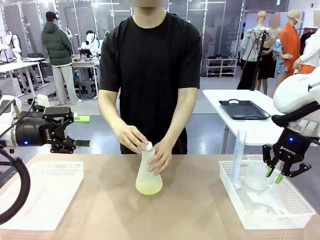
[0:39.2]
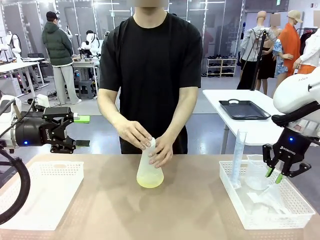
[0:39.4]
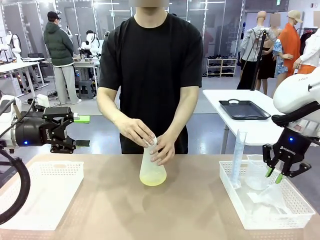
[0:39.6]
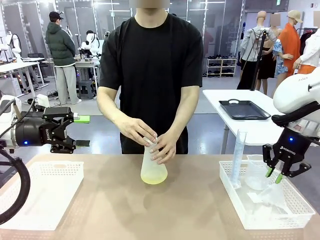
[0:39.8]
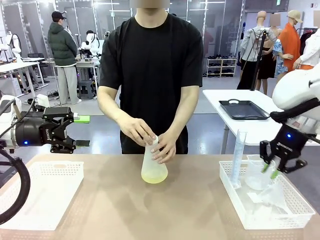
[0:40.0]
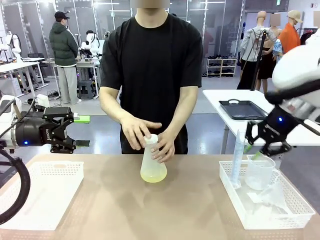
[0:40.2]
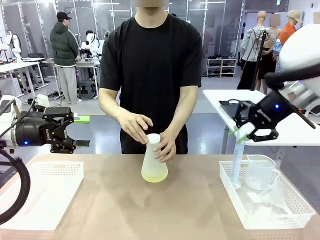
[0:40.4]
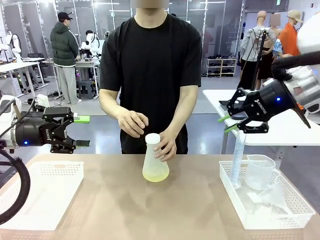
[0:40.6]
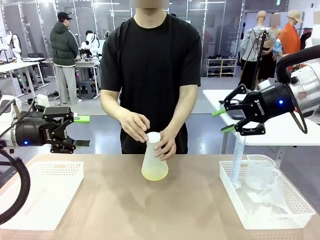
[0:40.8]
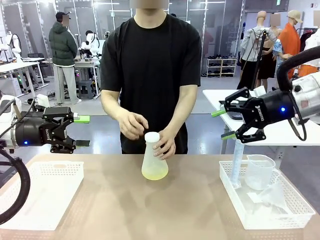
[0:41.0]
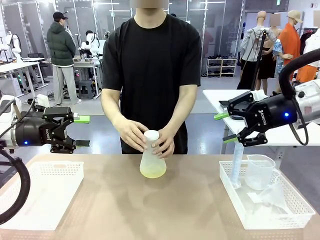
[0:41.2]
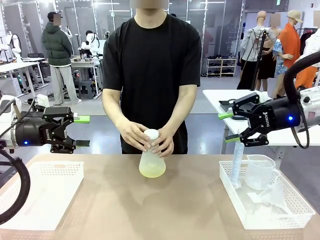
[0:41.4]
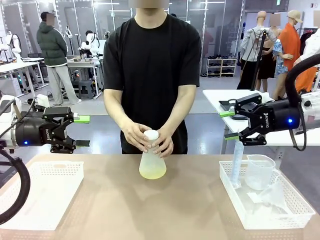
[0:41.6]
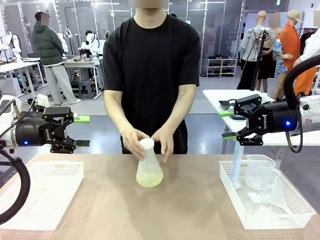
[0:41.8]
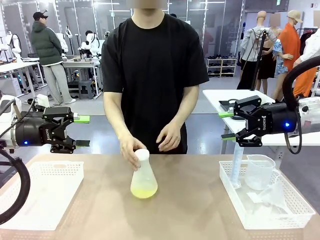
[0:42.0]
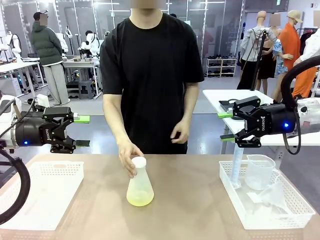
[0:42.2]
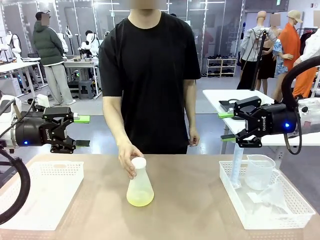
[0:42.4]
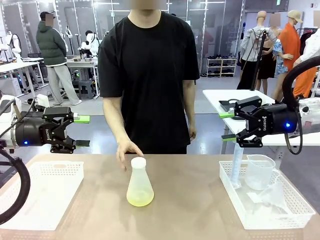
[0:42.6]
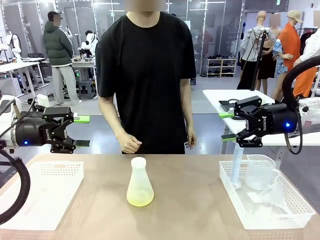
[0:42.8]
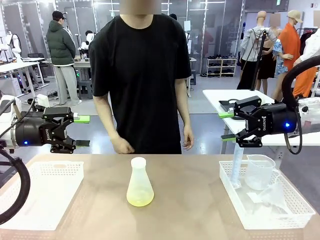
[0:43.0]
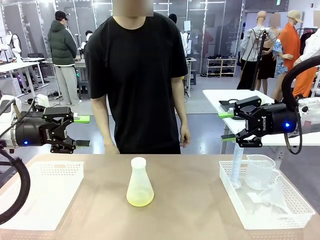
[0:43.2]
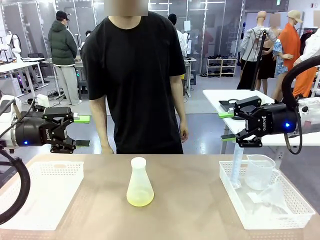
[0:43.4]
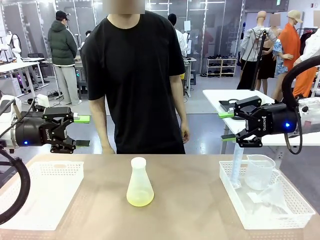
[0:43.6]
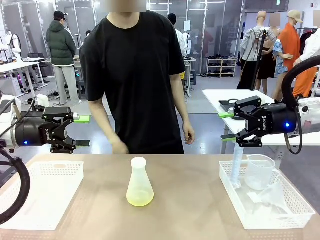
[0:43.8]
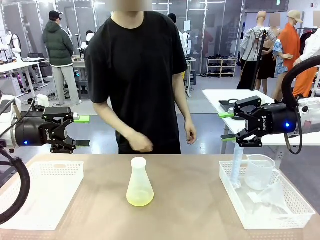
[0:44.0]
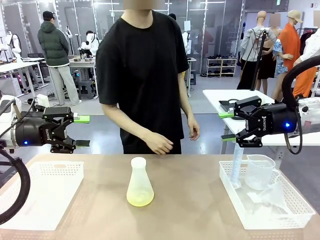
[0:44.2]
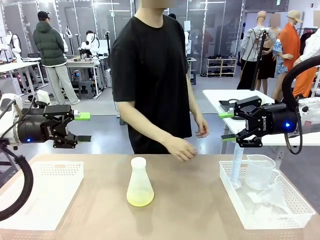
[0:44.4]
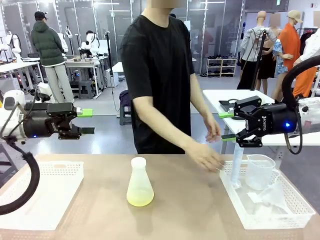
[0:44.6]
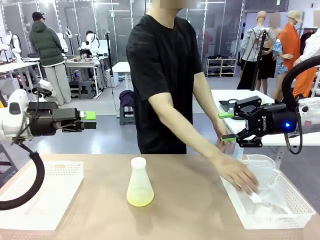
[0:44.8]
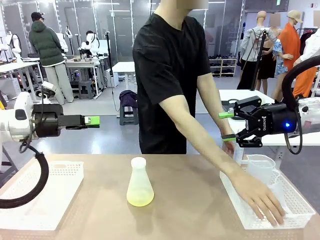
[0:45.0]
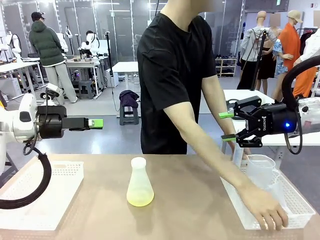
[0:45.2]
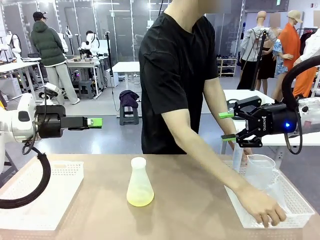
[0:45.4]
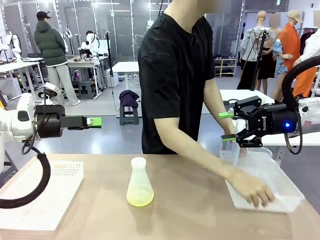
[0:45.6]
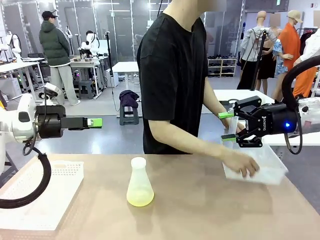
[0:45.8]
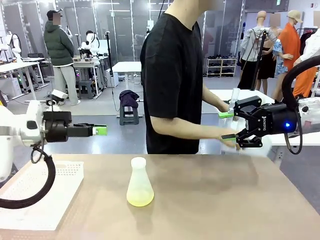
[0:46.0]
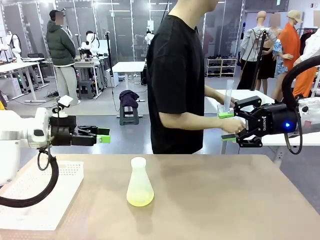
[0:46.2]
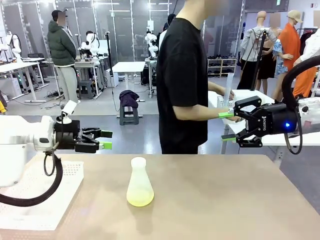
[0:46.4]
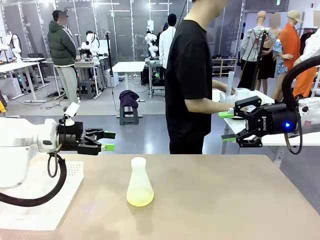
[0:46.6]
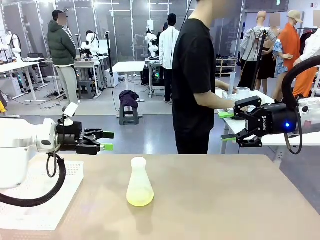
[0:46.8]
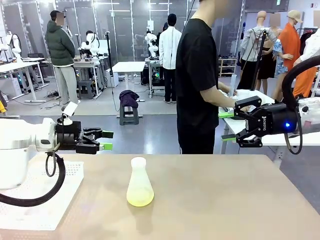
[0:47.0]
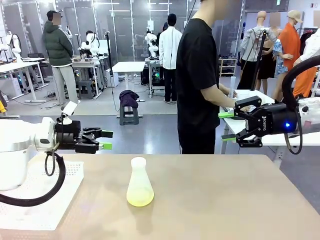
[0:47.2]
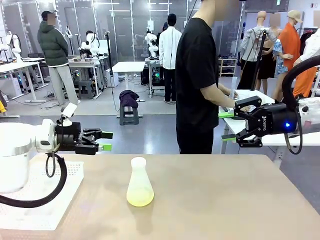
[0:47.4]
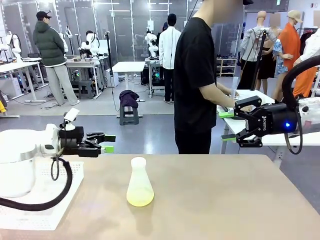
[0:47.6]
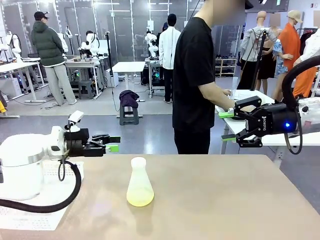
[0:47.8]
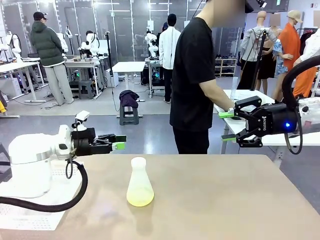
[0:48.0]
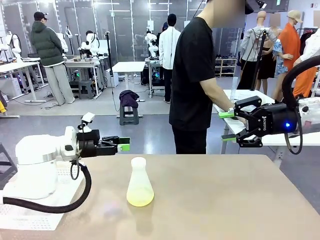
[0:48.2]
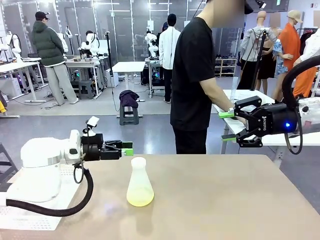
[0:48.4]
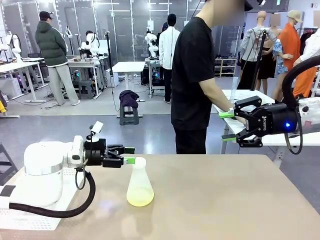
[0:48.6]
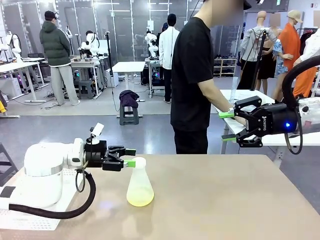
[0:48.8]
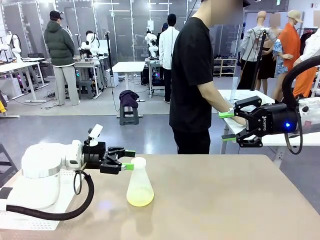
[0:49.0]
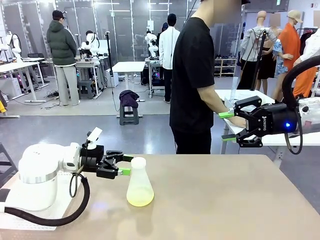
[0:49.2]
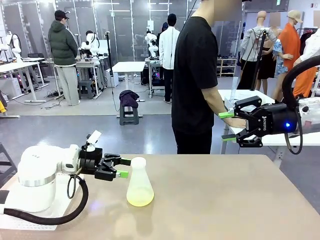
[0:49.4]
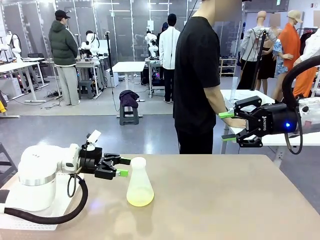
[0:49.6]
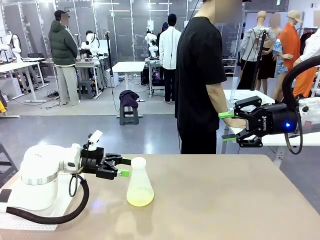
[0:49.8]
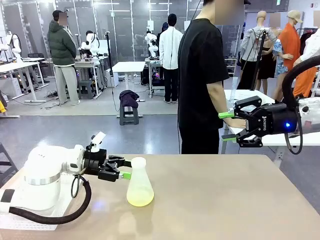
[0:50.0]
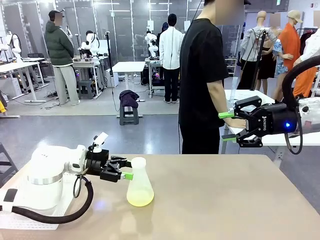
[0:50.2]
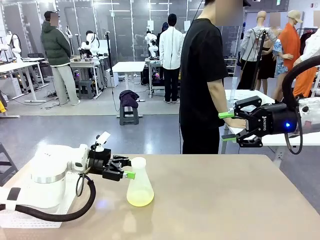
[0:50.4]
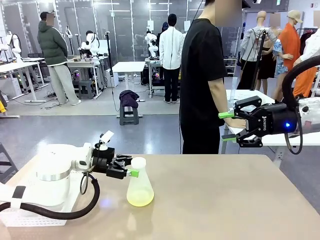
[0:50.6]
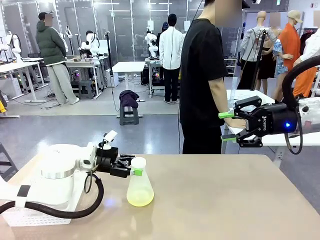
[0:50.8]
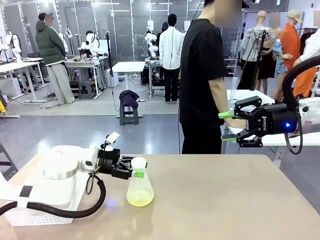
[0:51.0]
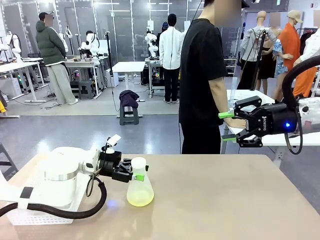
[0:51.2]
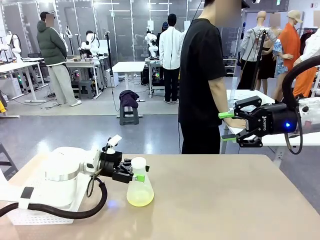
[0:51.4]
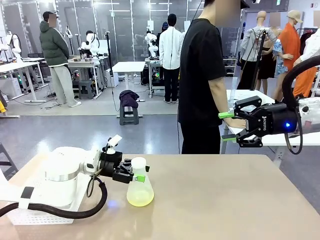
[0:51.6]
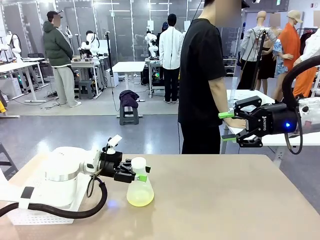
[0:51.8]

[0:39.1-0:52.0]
Task: Prepare the solutions needed for the experiment.
Robot: When the human places the Big flask in the center of the table, pick up the Big flask and place it in the left Organizing basket.

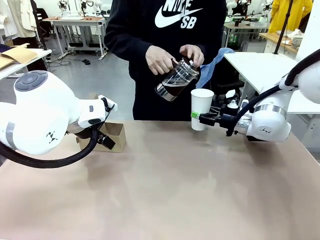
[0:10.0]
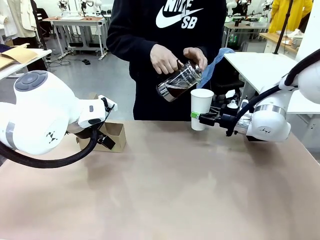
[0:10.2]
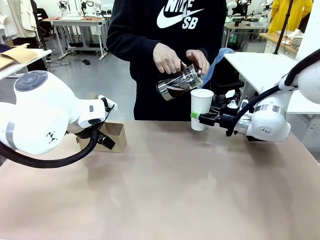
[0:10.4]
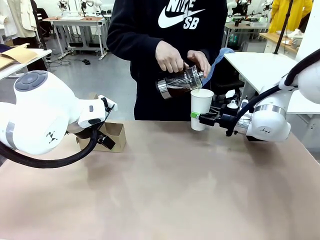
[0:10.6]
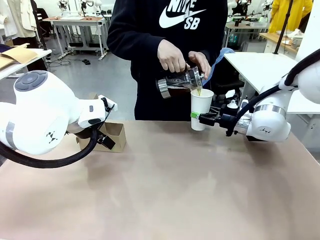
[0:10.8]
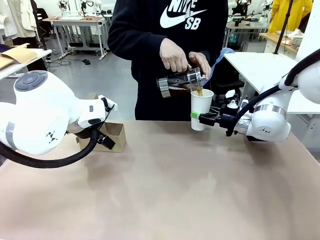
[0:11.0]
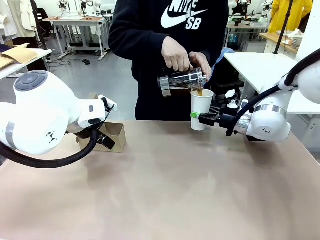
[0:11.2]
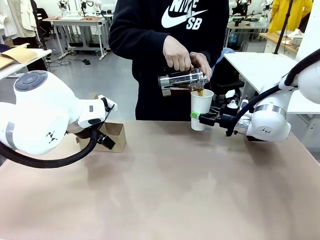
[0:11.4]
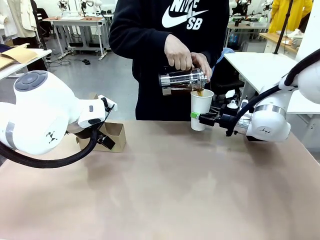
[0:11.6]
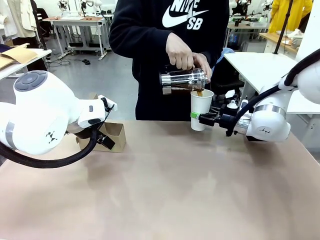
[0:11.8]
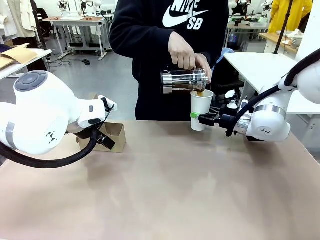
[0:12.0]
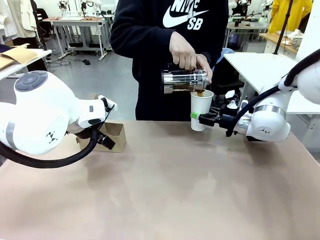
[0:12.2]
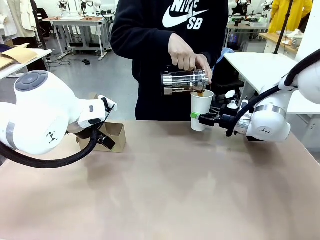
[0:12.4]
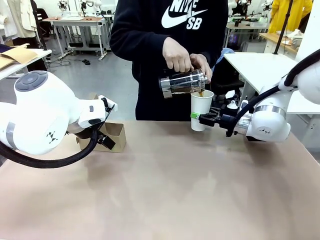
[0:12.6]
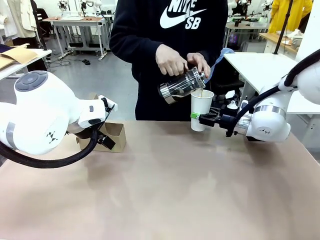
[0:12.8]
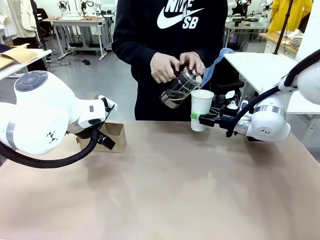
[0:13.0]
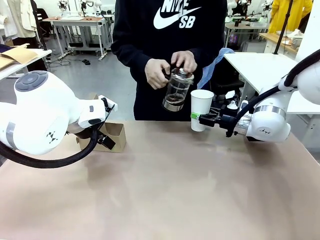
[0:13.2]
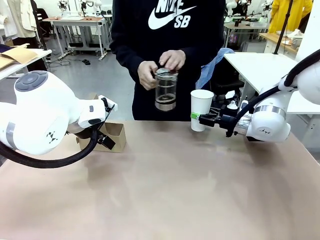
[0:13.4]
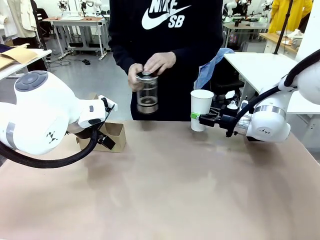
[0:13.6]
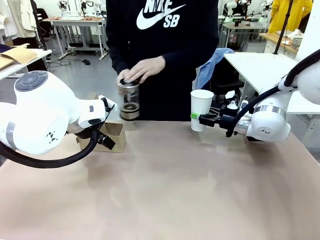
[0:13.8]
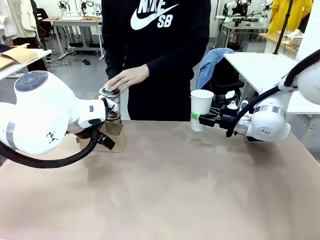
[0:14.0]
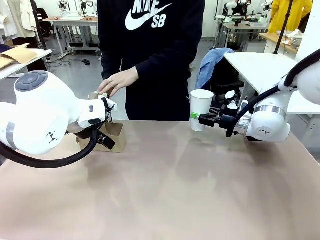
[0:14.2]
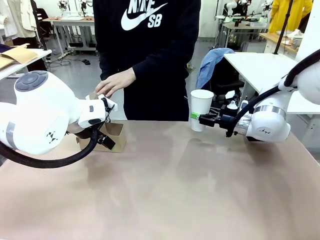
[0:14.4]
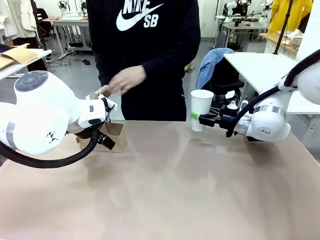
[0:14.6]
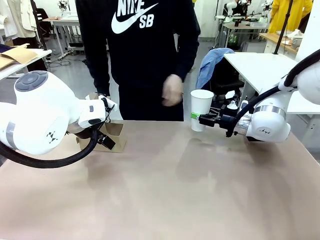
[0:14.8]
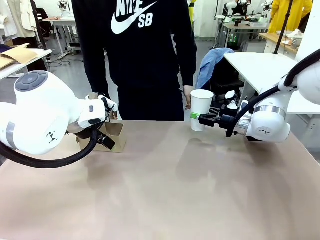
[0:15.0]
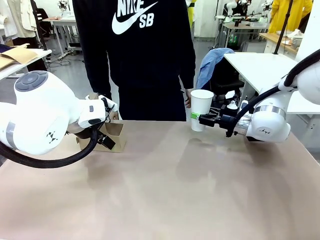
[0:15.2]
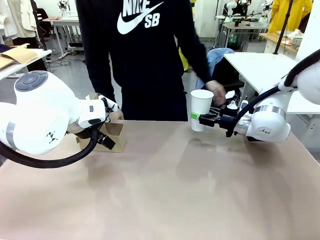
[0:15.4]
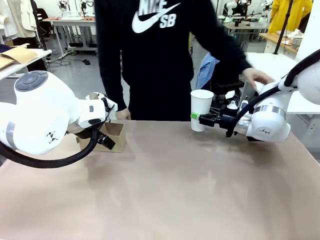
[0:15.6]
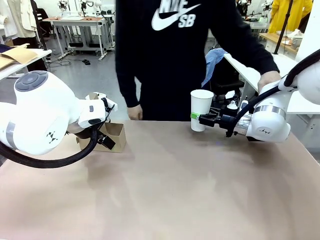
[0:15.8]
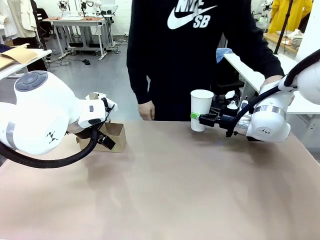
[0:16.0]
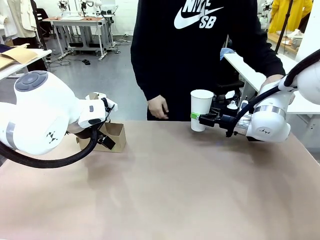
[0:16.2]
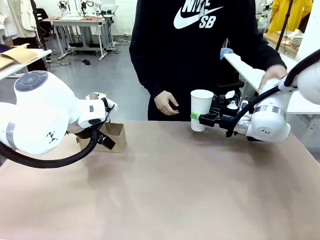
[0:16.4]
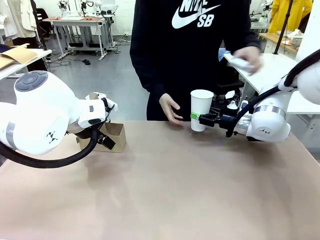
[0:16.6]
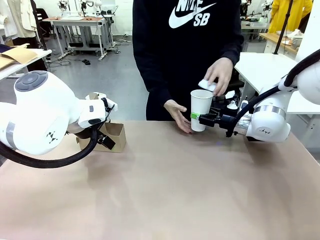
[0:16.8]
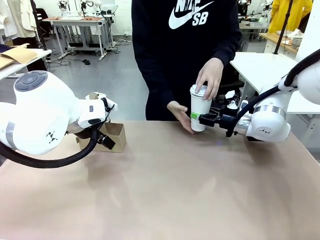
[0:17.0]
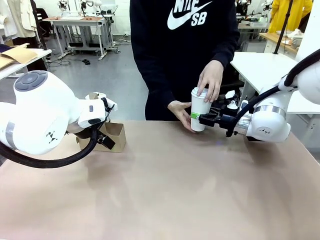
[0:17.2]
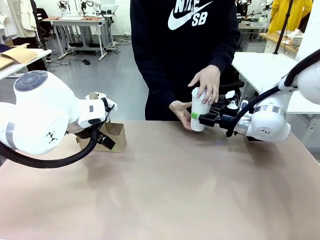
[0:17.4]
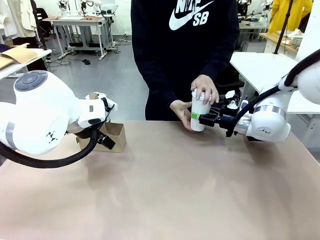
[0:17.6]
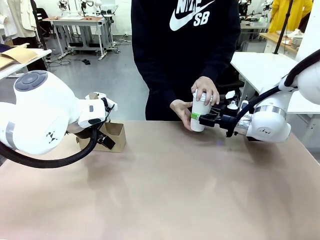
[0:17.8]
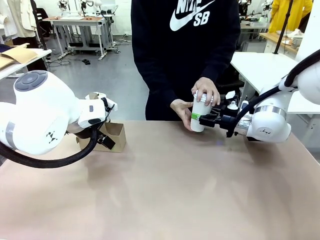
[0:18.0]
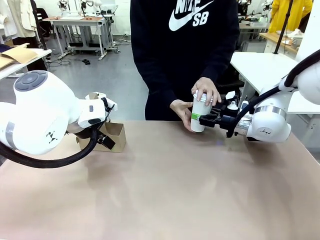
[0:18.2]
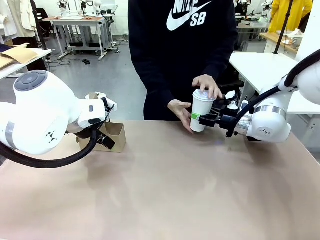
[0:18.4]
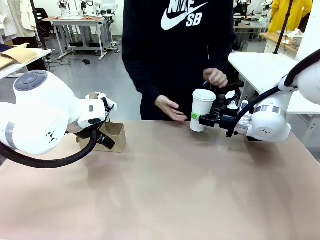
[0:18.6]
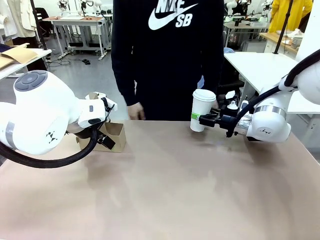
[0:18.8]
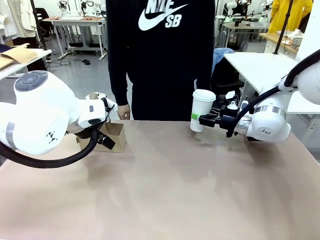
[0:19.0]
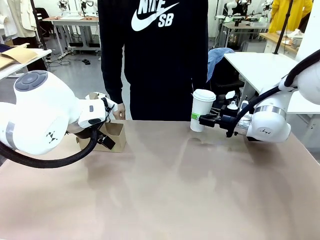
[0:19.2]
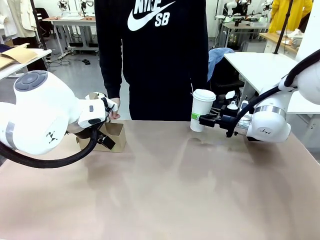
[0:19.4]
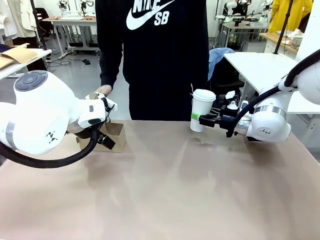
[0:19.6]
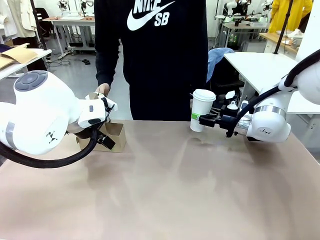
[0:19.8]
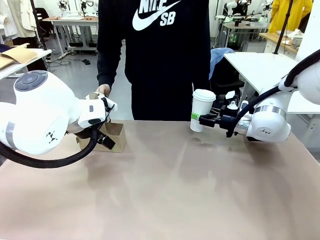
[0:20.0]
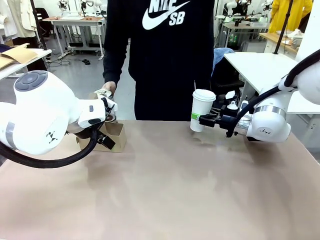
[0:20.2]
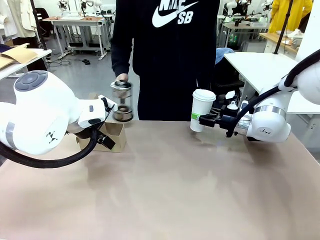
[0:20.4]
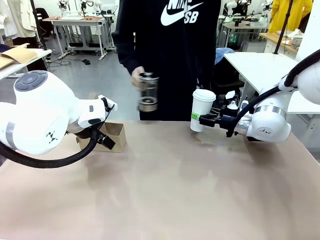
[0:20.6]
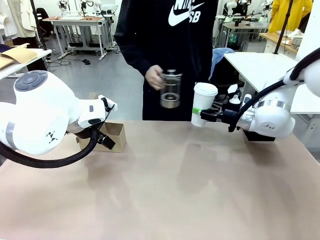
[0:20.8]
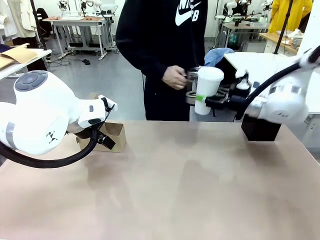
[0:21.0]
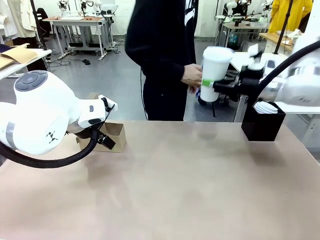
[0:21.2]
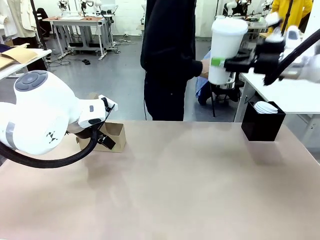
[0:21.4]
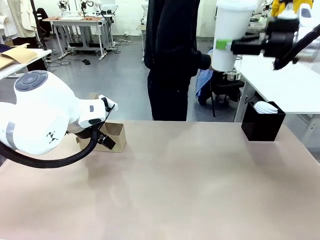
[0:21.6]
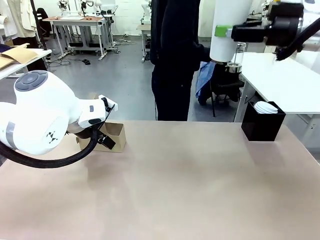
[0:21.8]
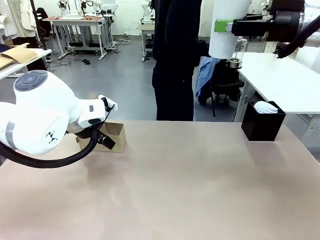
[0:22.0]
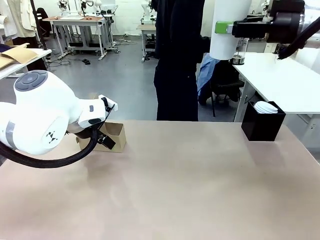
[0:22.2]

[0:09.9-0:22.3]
Task: Pour a drink into a cup and package it in a carrier.
Robot: When a person places the Paper Cup Lid on the 600 ml Paper Cup , lift the 600 ml Paper Cup.
Person: Pour the drink from the Filter Brewing into the 600 ml Paper Cup. Place a Paper Cup Lid on the 600 ml Paper Cup.
